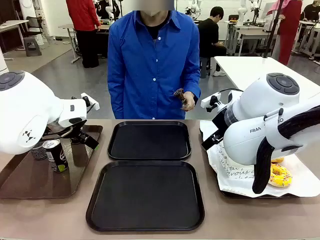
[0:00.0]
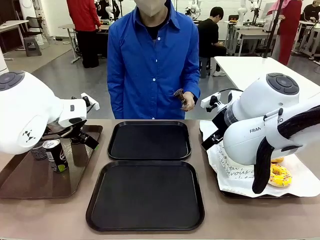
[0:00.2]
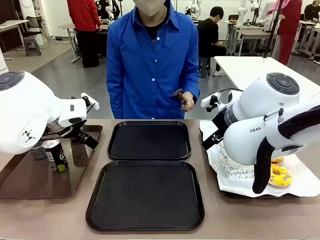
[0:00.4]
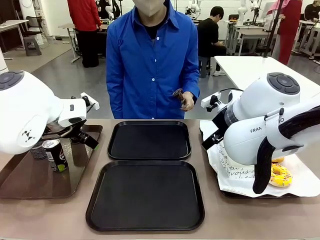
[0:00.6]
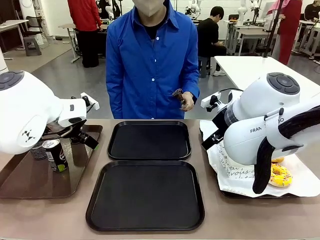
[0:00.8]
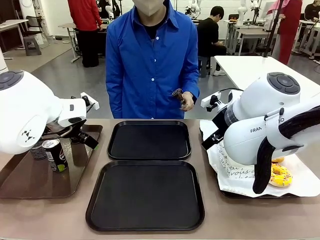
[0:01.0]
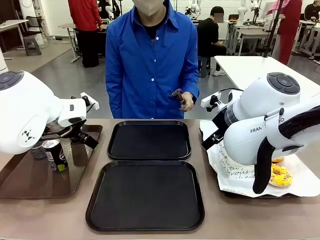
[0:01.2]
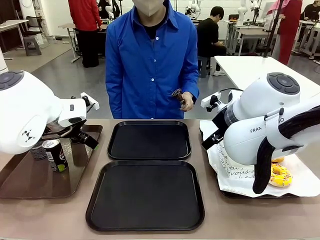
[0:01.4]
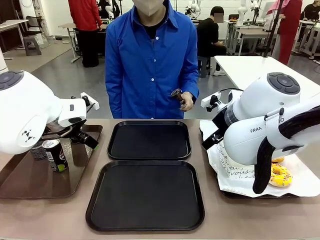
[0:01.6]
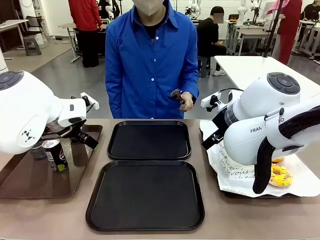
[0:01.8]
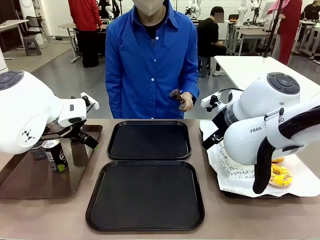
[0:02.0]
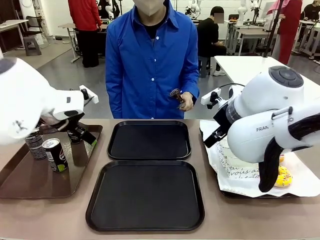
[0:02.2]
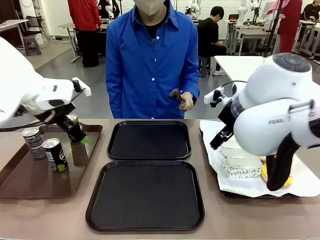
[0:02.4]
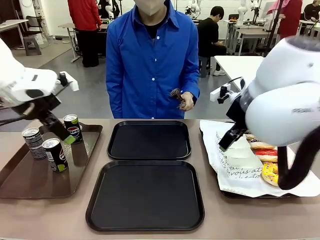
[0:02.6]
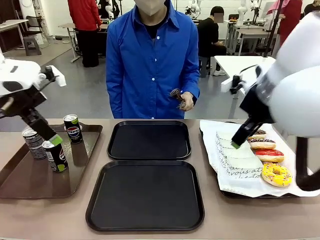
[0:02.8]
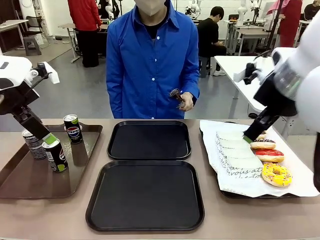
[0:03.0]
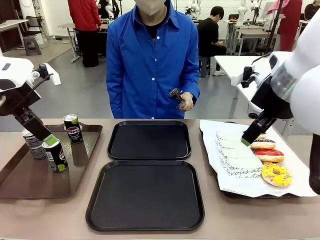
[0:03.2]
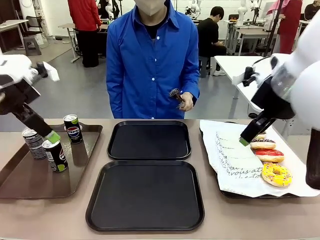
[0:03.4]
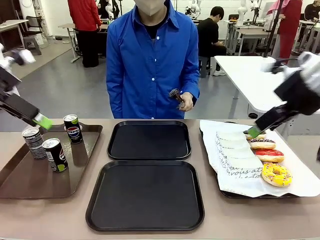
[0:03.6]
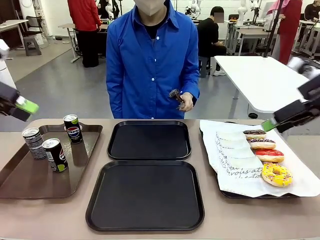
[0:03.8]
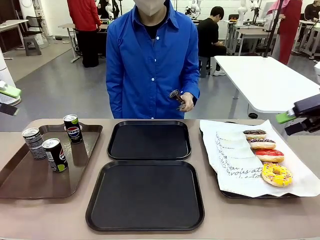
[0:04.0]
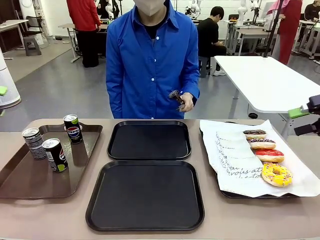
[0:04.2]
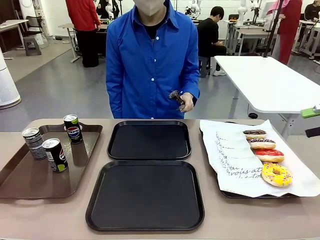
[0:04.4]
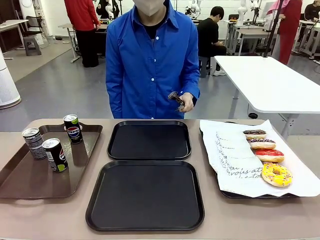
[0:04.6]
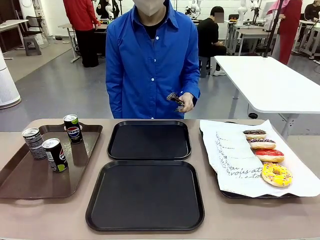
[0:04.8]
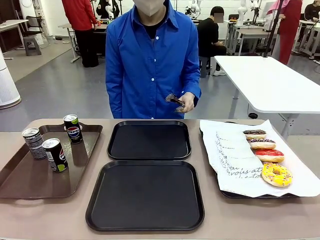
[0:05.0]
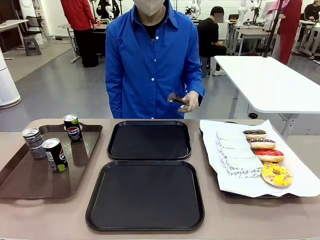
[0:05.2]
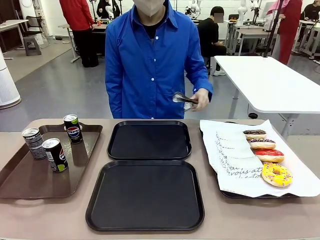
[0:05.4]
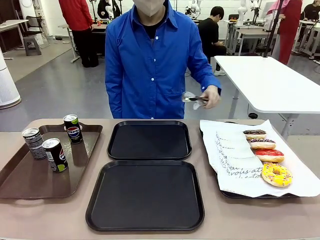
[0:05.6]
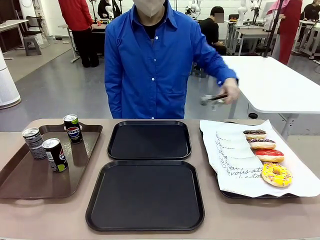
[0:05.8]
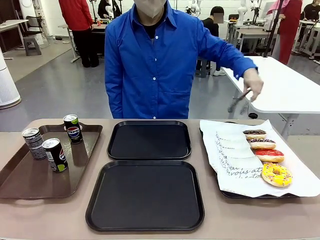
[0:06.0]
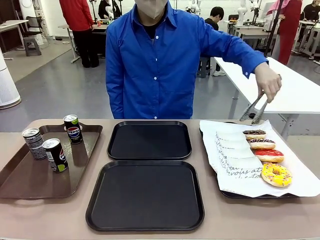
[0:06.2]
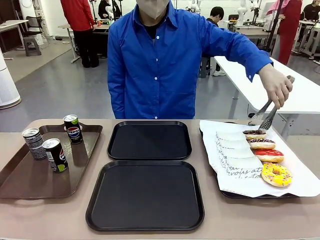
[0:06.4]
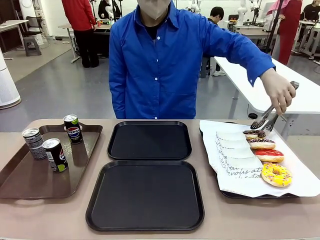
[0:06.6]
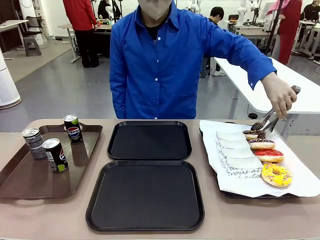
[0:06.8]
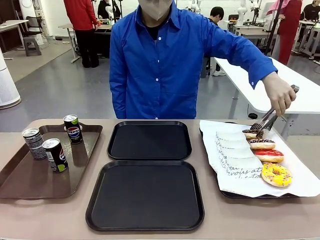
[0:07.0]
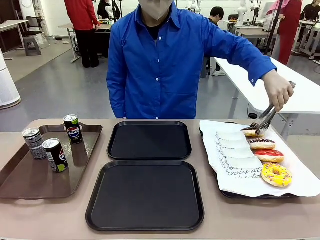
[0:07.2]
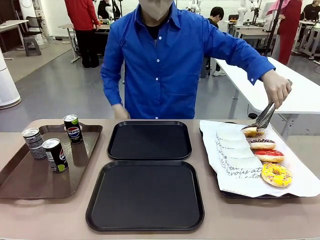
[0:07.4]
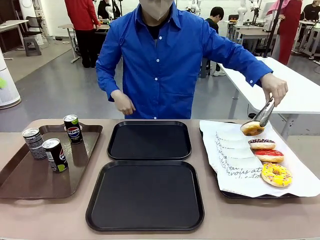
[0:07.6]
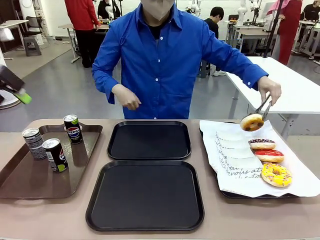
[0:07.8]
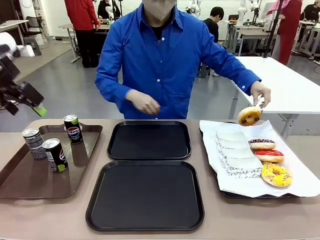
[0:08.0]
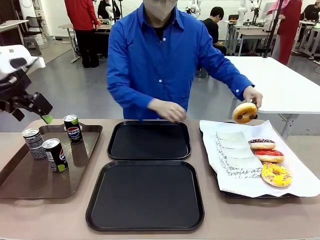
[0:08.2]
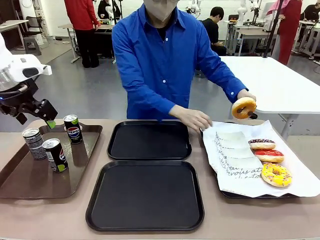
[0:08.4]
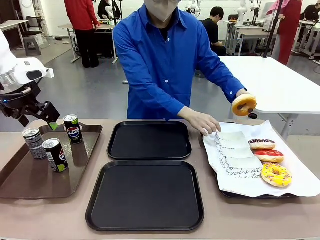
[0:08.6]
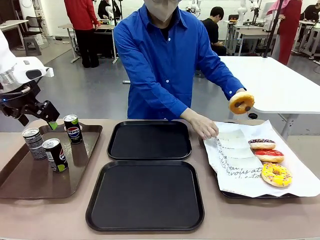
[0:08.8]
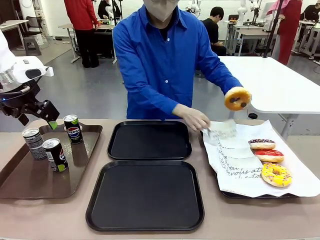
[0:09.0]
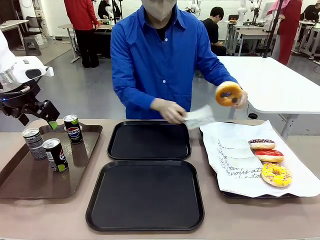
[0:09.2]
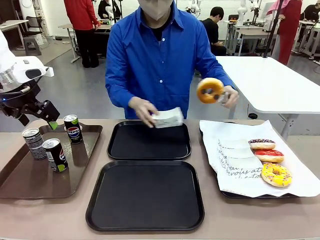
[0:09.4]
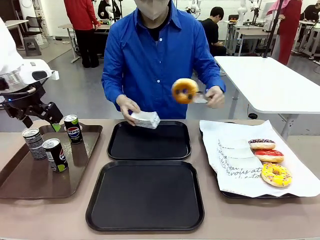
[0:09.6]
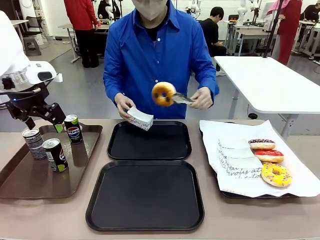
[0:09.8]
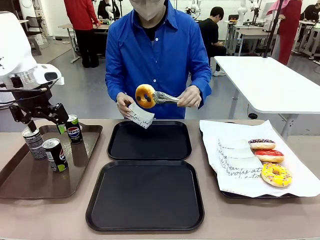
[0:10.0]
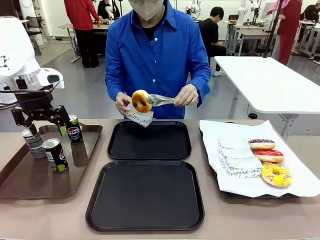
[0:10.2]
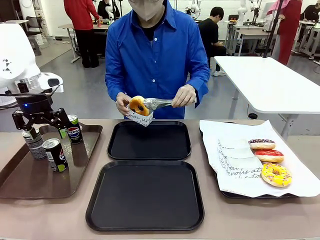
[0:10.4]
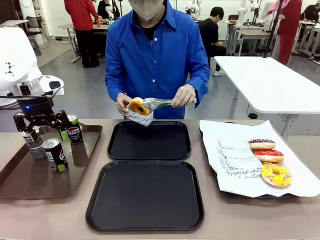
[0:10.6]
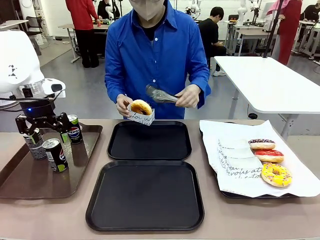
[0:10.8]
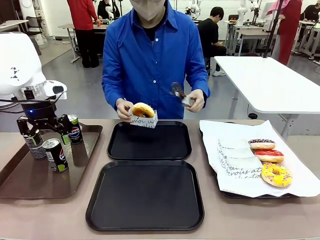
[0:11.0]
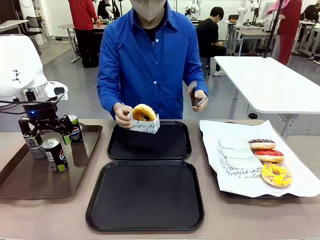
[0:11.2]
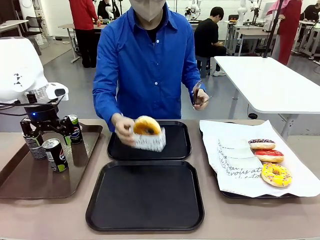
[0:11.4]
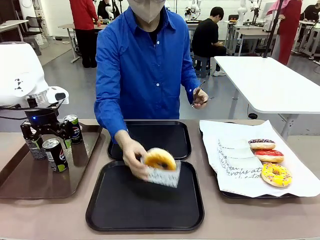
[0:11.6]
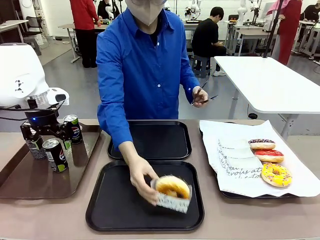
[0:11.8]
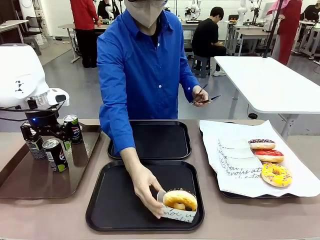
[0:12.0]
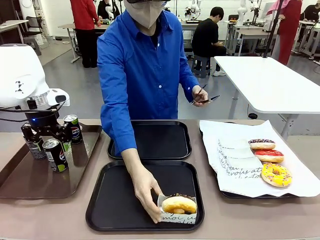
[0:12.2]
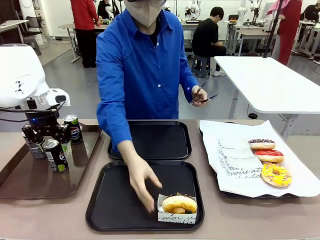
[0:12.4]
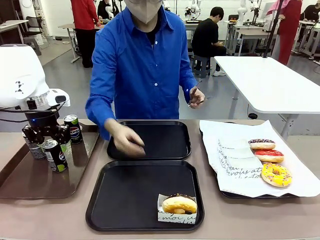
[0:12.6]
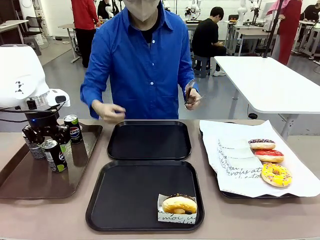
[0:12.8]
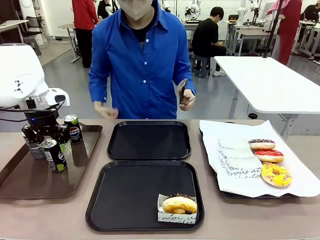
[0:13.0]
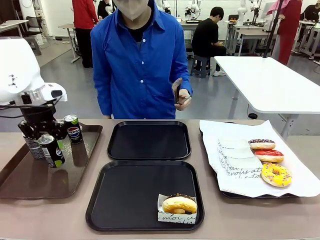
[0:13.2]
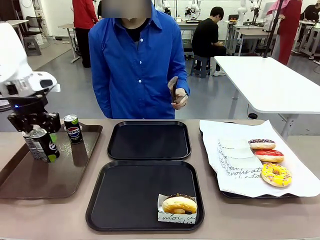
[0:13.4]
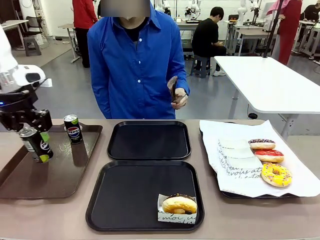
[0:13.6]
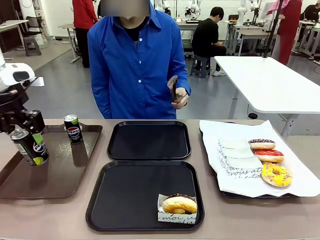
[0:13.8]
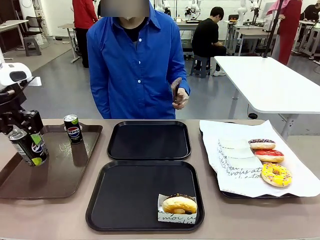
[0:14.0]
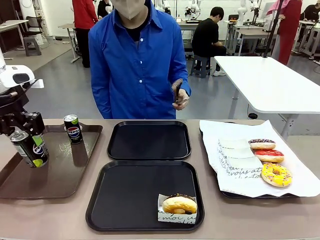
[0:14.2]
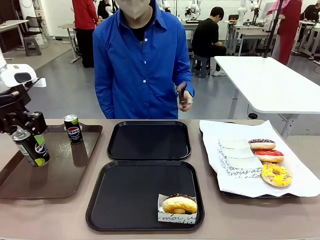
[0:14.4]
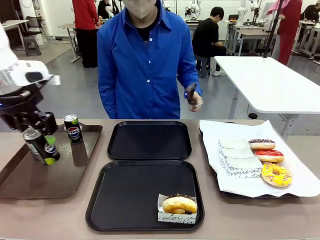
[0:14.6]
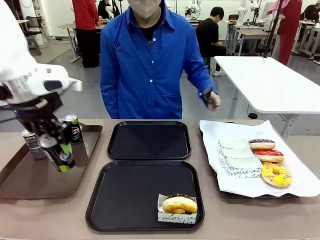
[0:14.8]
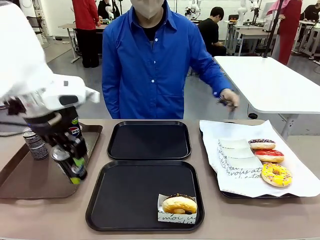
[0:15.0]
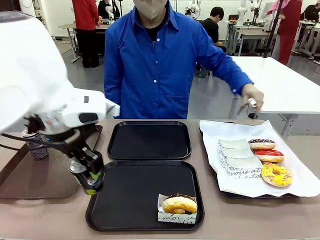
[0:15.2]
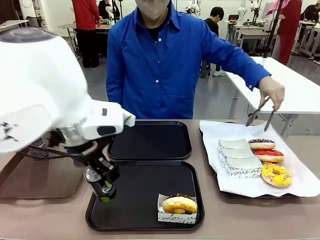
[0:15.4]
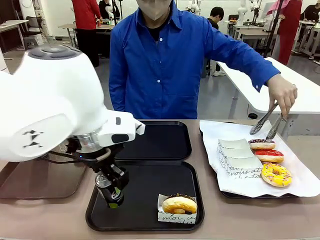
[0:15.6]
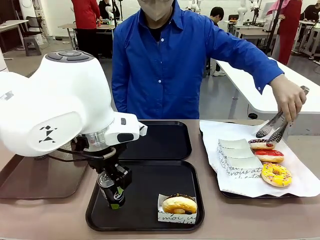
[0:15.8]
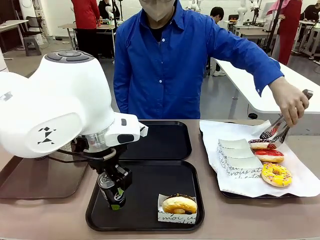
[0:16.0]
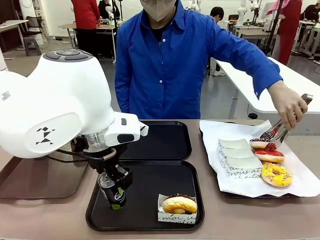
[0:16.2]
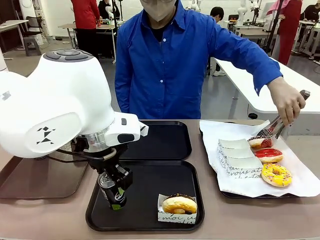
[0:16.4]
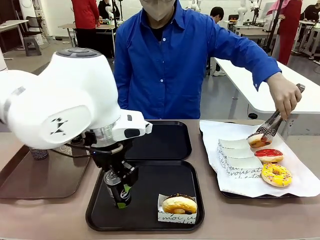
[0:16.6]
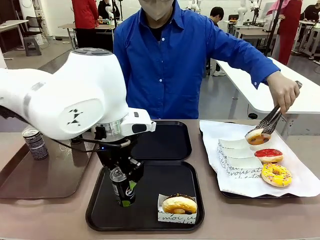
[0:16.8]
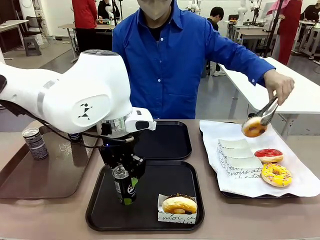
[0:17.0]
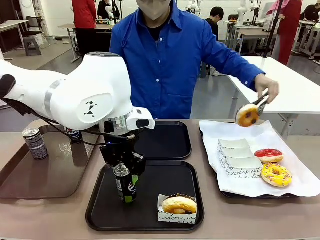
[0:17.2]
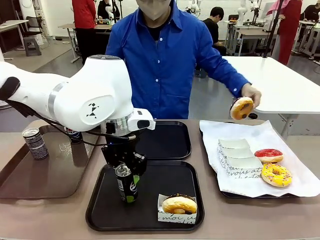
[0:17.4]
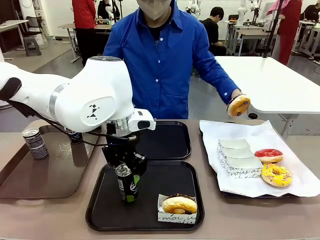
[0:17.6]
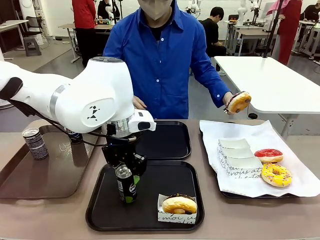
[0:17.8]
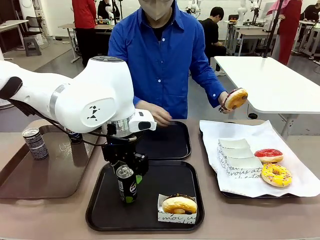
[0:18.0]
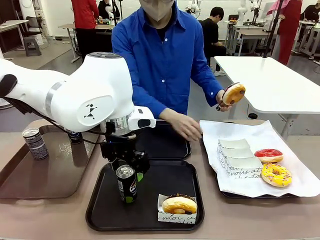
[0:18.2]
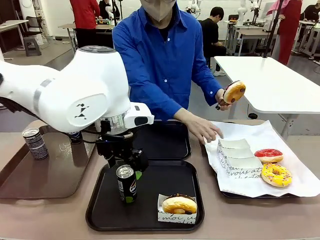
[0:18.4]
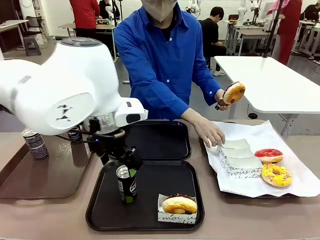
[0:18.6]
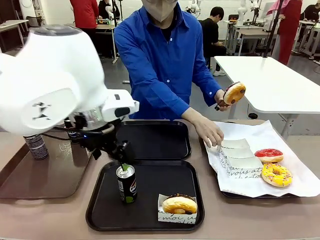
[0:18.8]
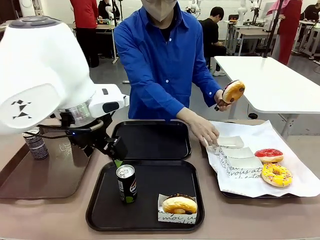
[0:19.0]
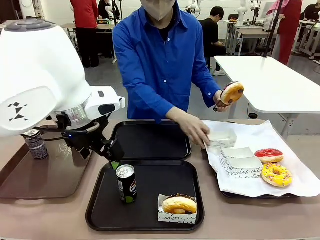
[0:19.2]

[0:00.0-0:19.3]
Task: Set up donuts and drinks on trays.
Robot: Pick up one Pepsi coke and place it on the Flat Tray.
